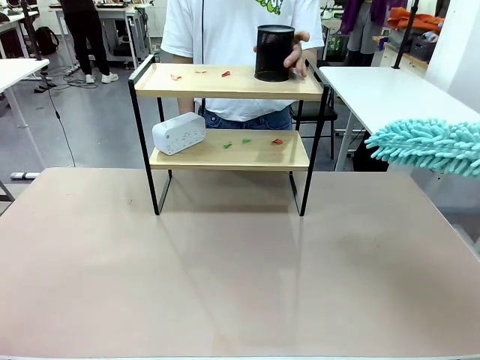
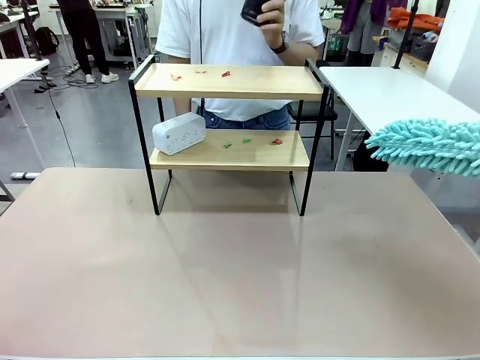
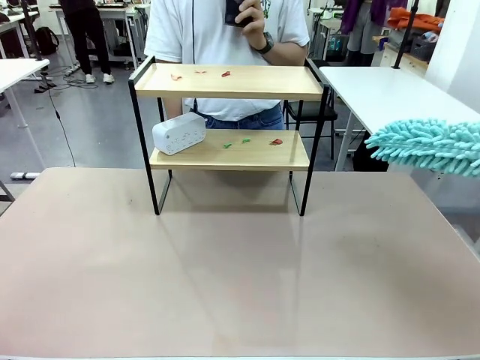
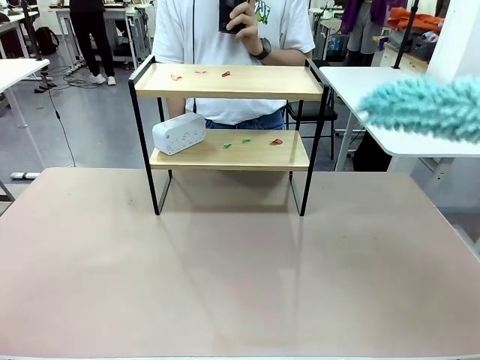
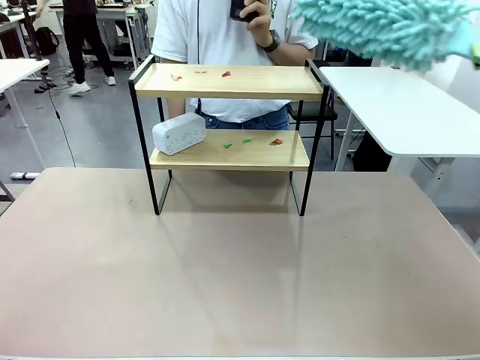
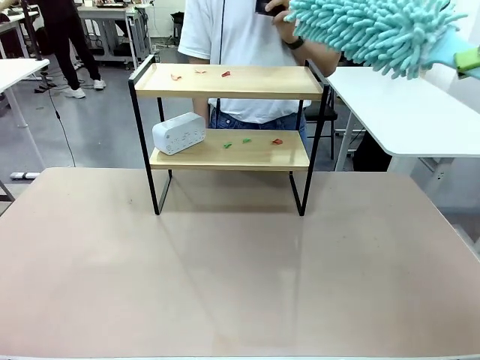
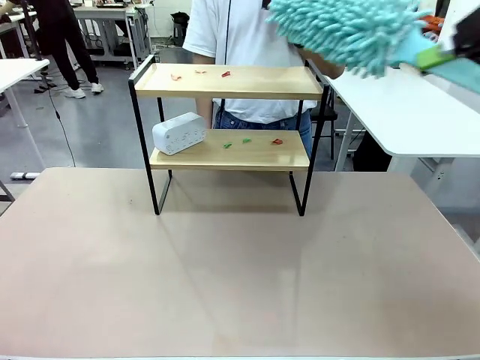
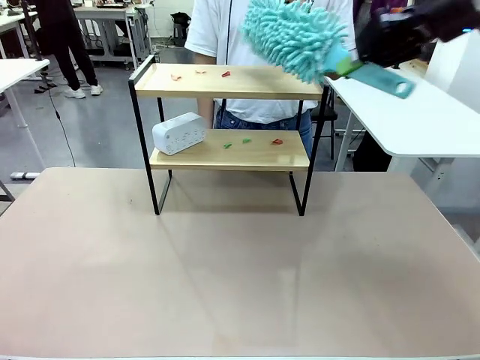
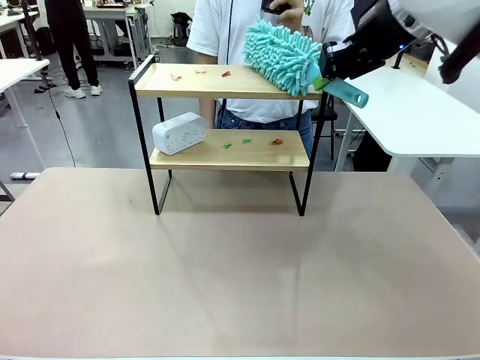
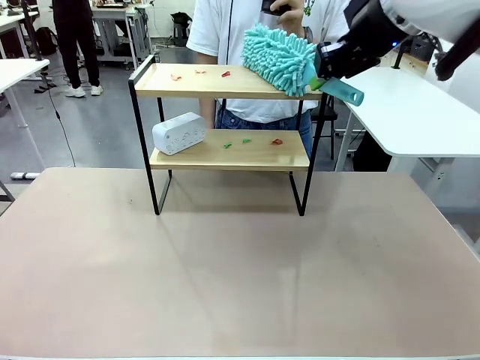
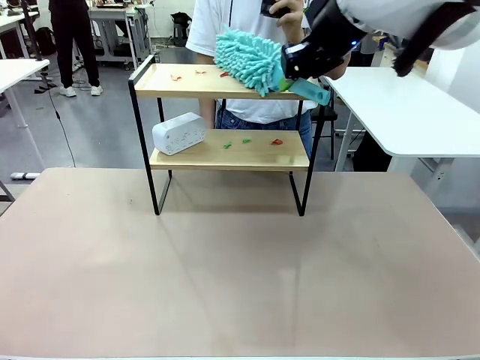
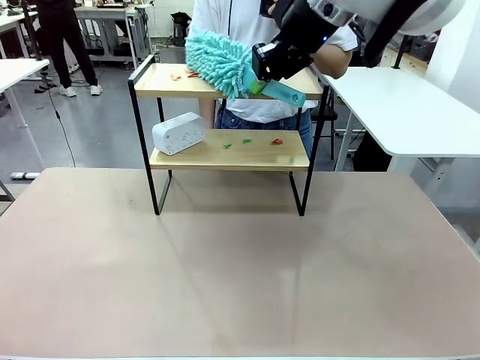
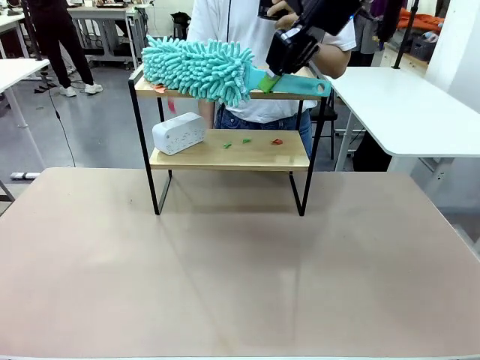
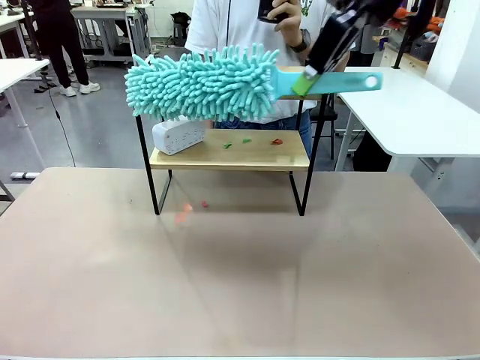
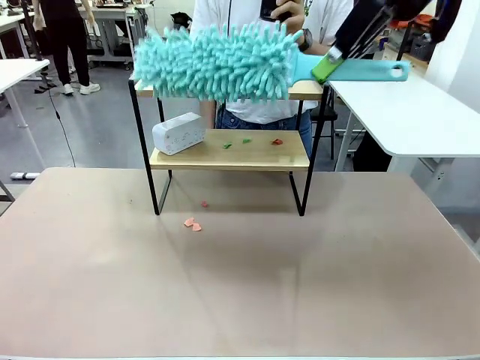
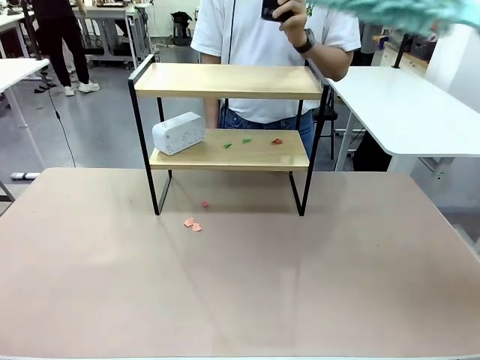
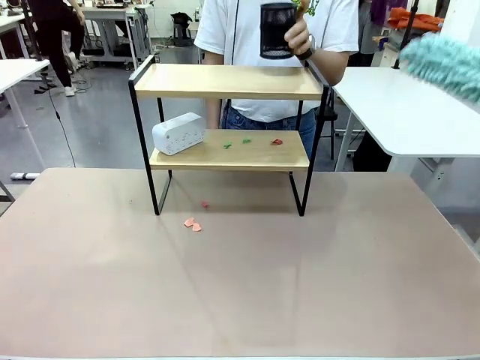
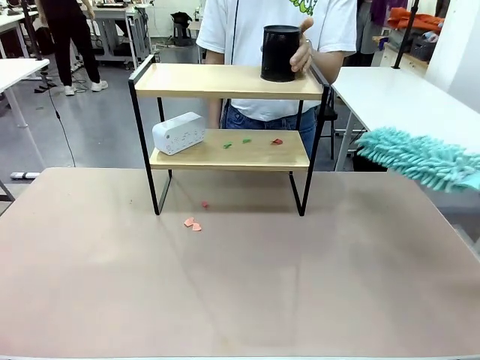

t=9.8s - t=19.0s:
Task: Clean the shelf.
Robot: Clean the specific tier of the Shelf with the Duster once objects are removed.
Person: Lift the objects on a randomly selected tier of the Shelf. Once the robot finishes cleaning, lift the objects on the remaining tiers of the Shelf.

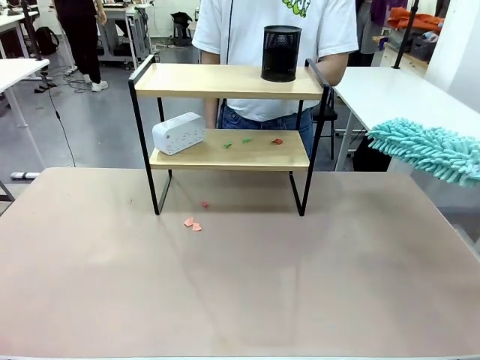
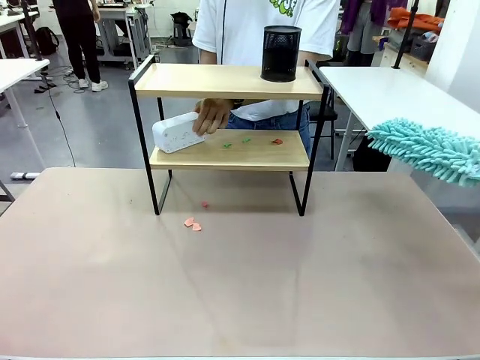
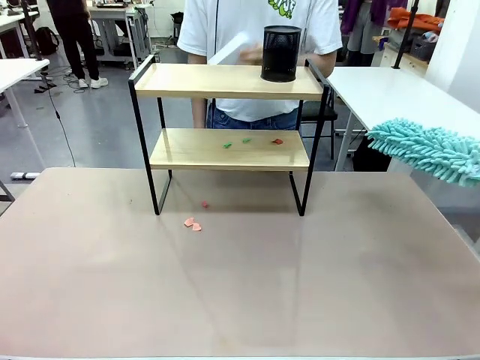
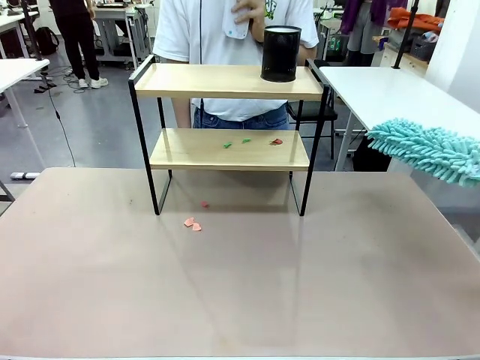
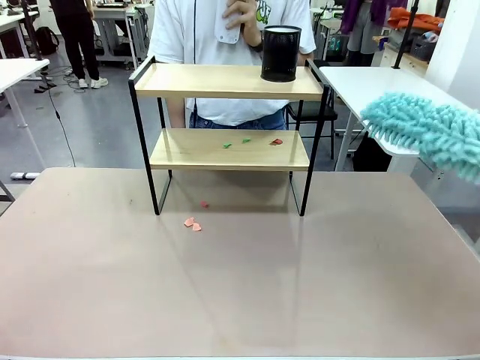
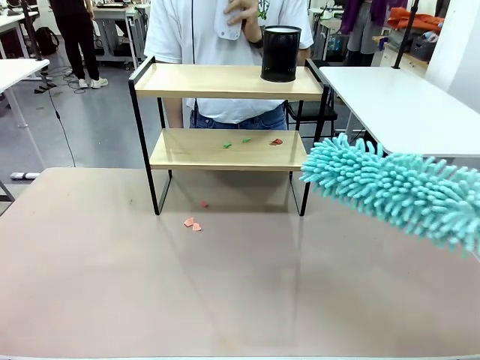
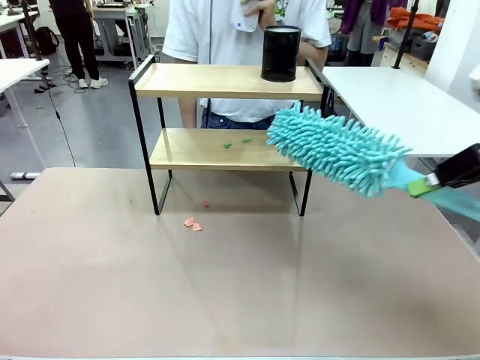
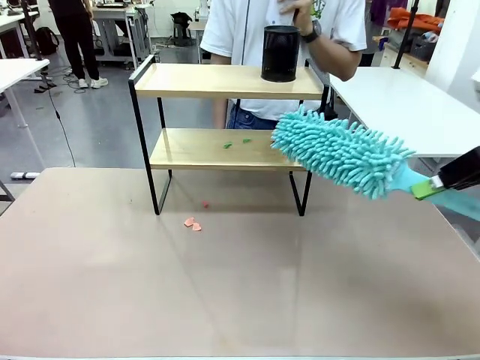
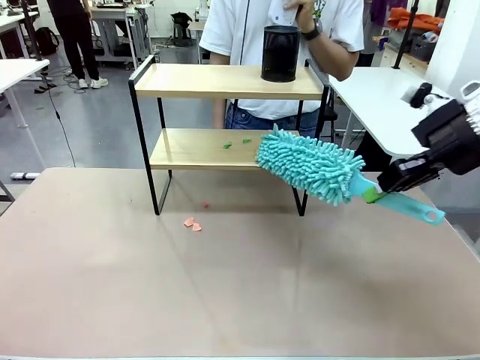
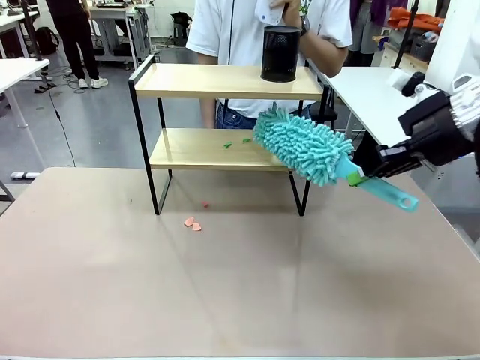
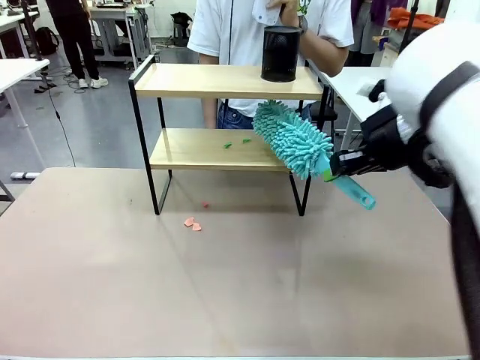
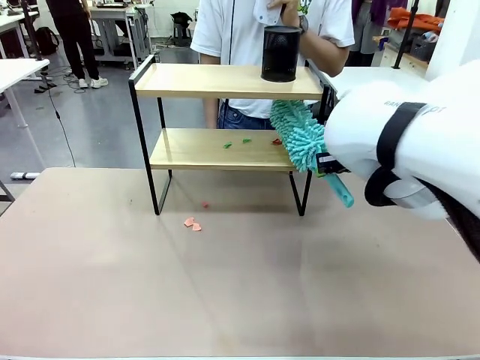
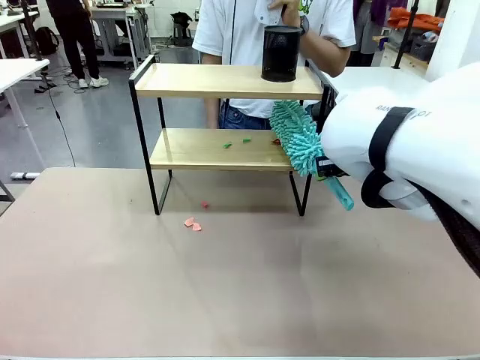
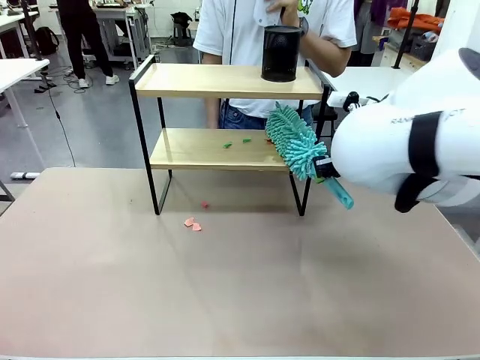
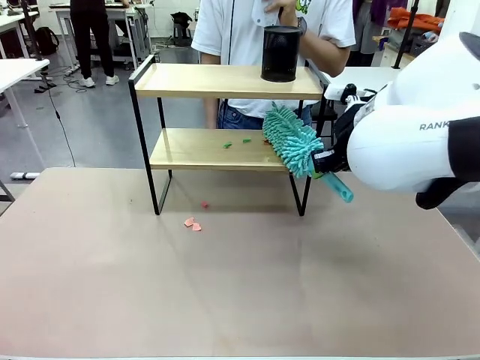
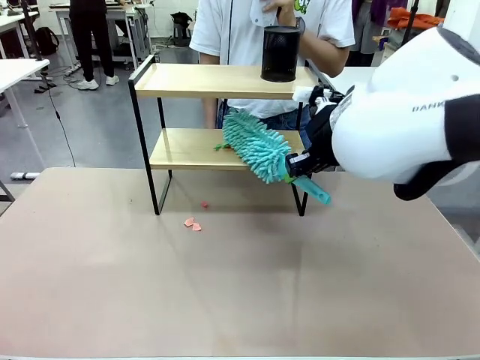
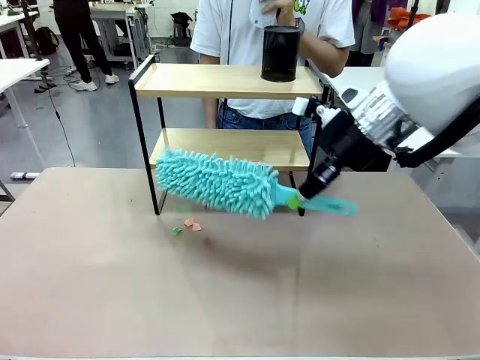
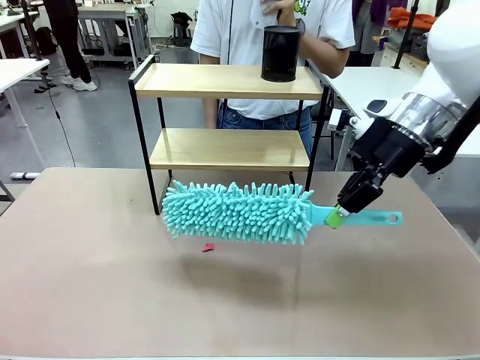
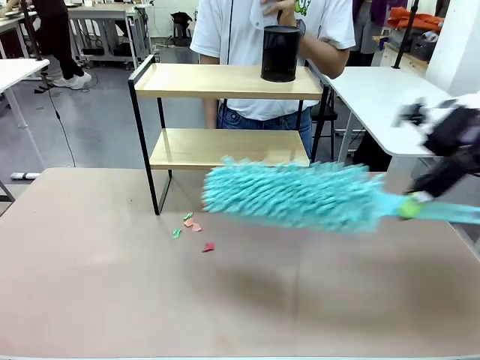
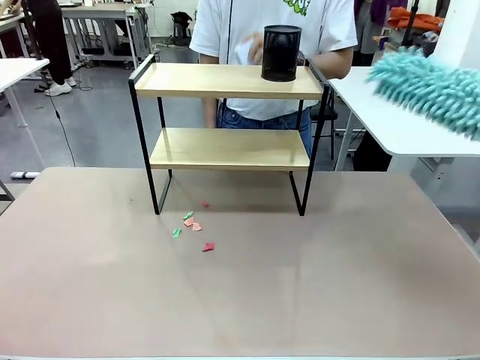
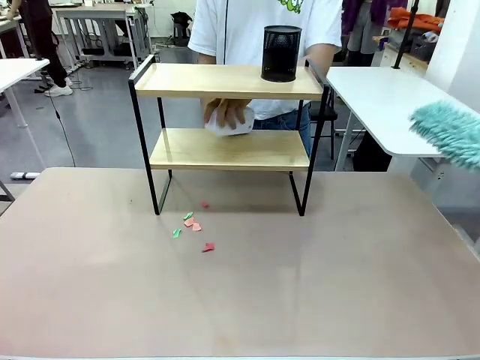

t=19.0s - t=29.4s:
Robot: Clean the remaining tier of the Shelf with the Duster once objects are removed.

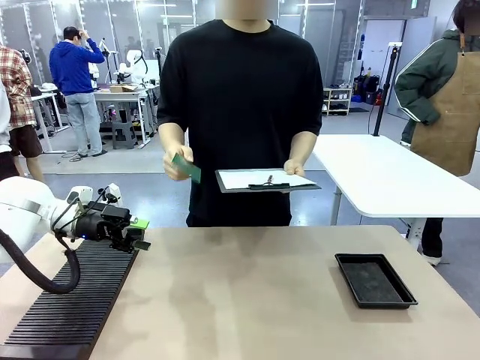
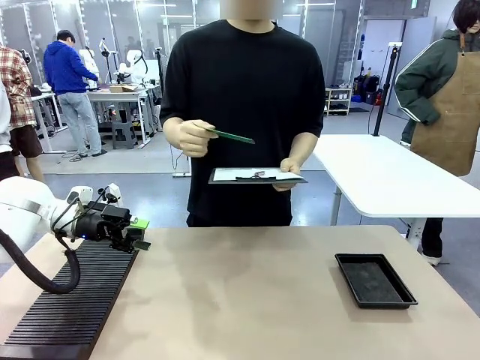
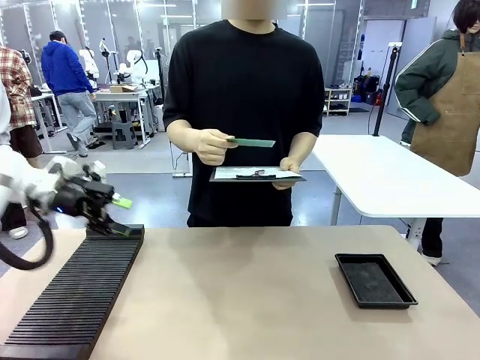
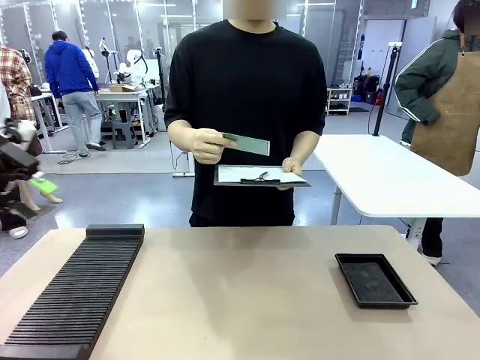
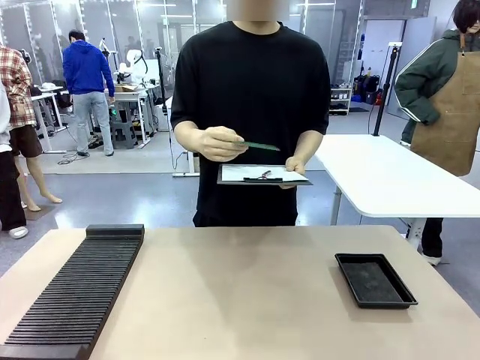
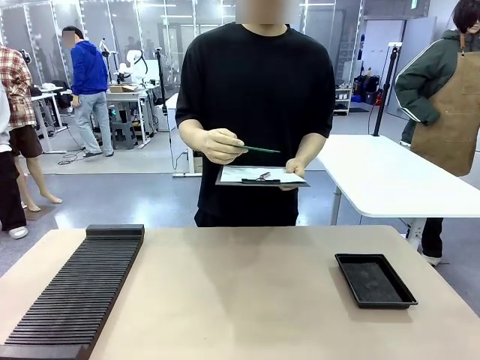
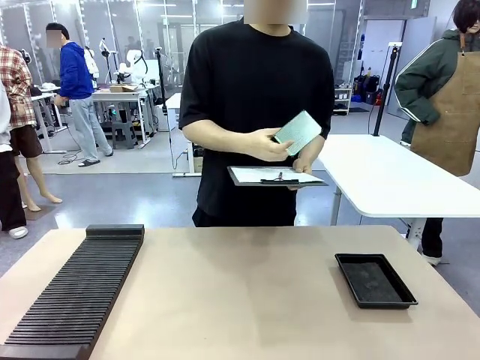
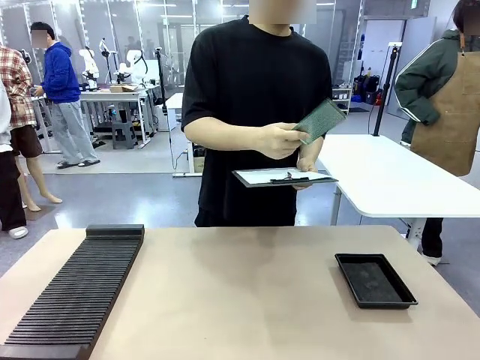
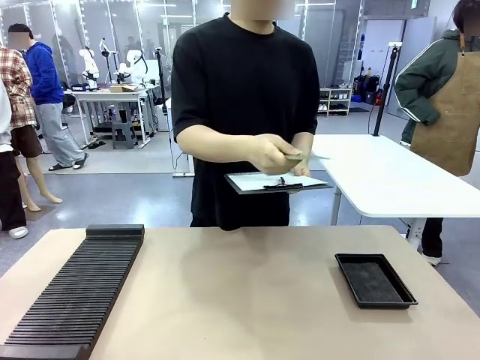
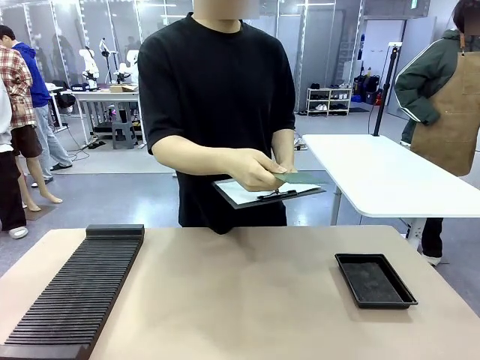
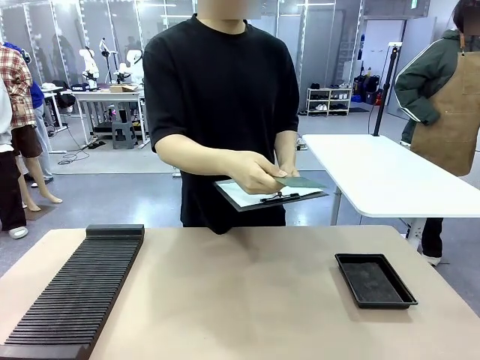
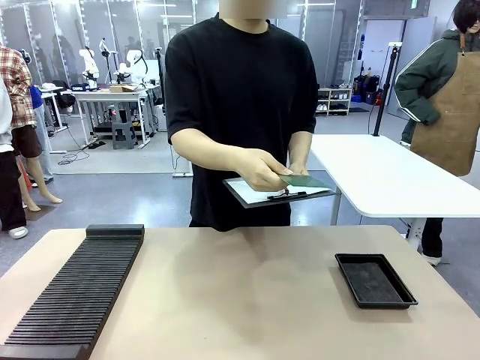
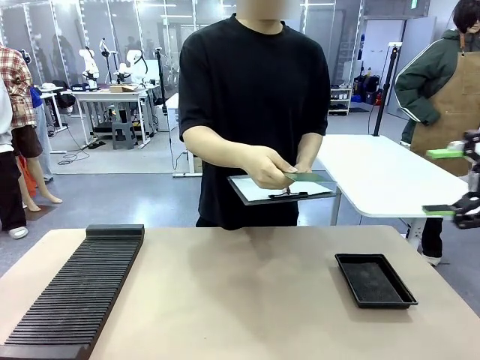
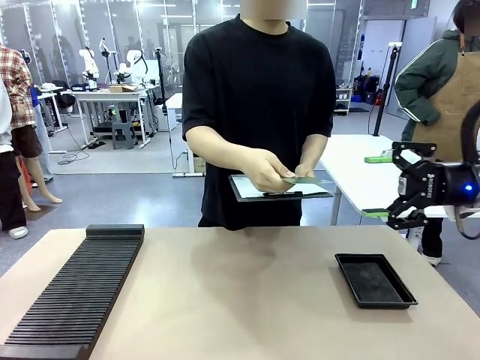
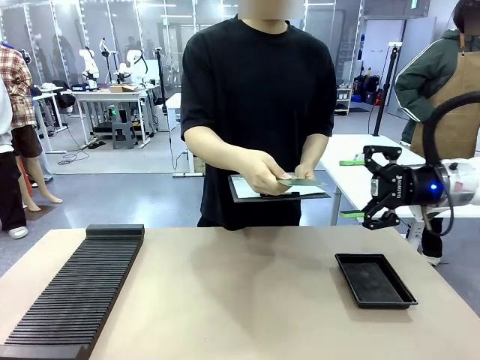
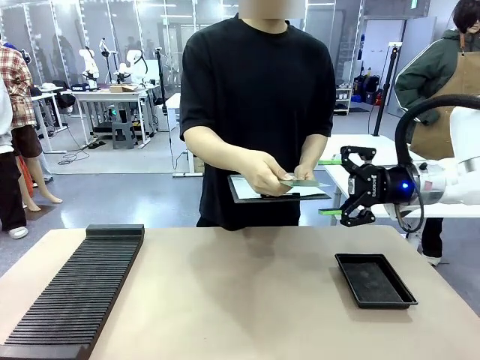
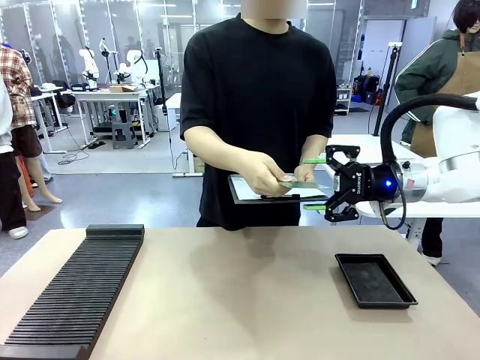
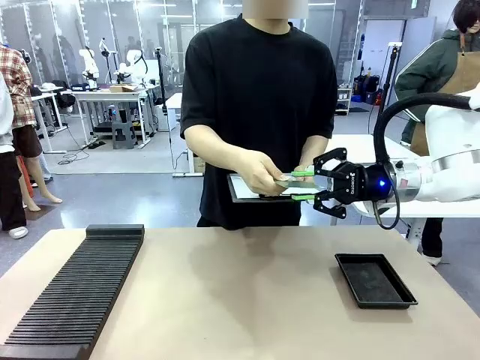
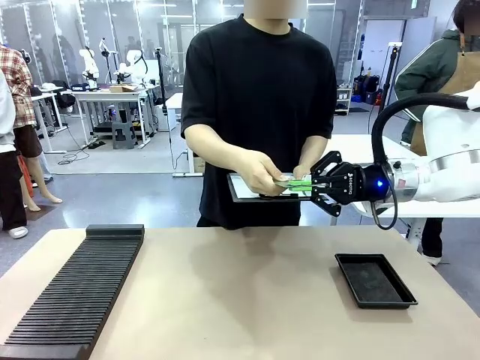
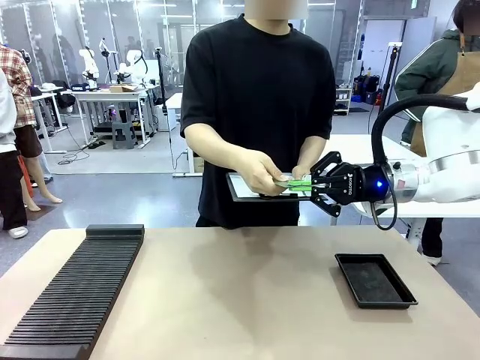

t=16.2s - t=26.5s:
Task: Inspect the PCB.
Robot: Pick up the Blank PCB that the human is holding.
Person: Inspect the PCB placed by the robot, then hold it out in front of the robot. Release the PCB you were holding.
